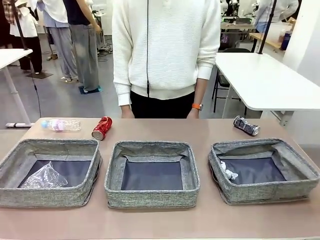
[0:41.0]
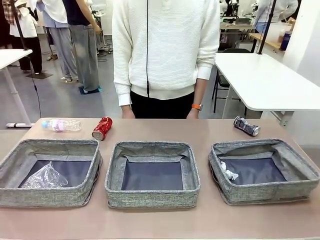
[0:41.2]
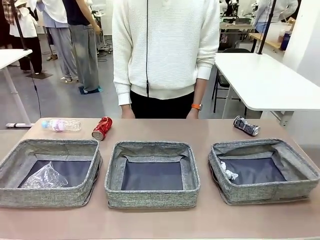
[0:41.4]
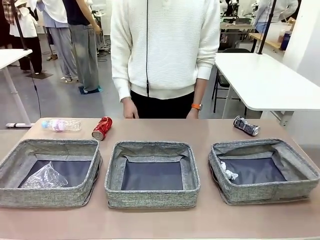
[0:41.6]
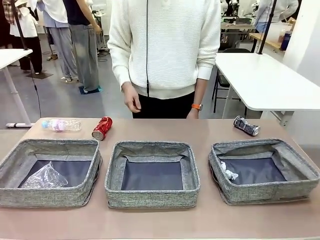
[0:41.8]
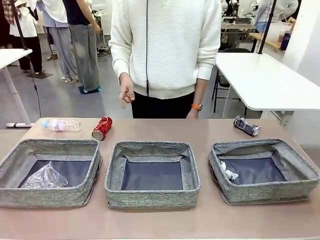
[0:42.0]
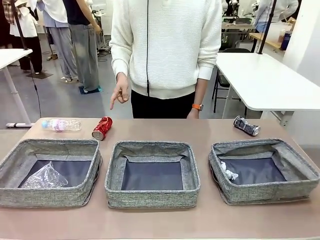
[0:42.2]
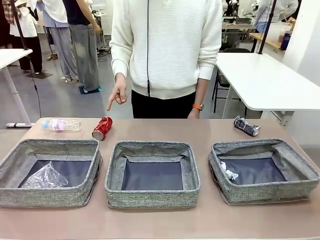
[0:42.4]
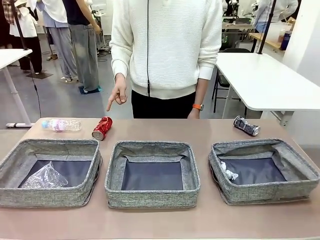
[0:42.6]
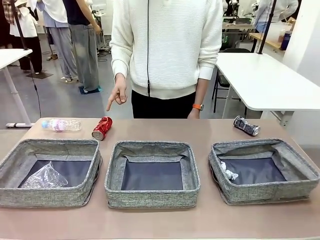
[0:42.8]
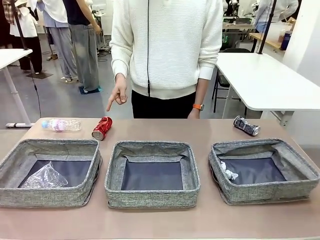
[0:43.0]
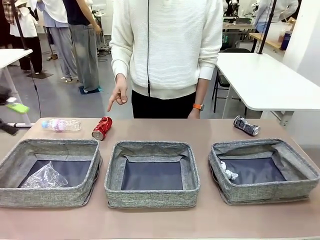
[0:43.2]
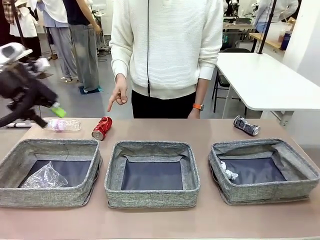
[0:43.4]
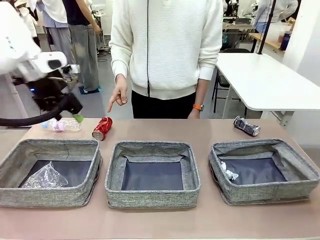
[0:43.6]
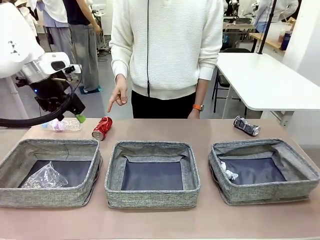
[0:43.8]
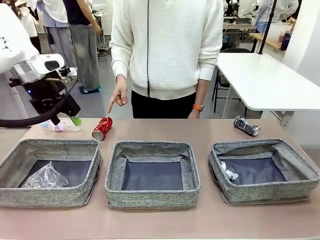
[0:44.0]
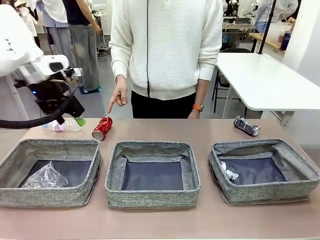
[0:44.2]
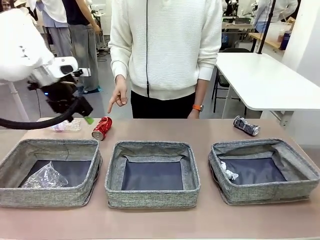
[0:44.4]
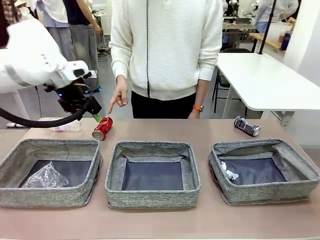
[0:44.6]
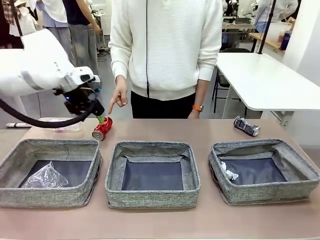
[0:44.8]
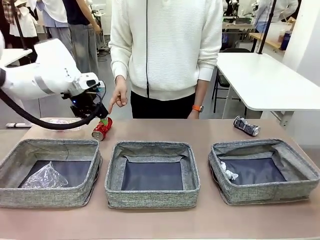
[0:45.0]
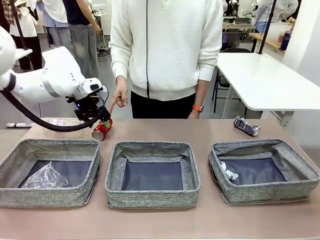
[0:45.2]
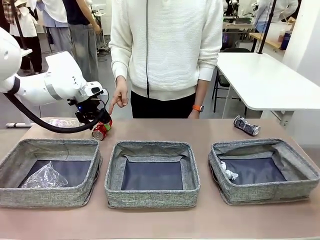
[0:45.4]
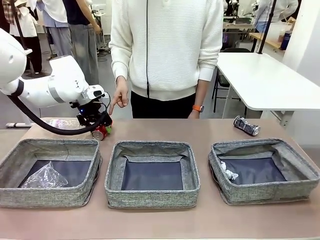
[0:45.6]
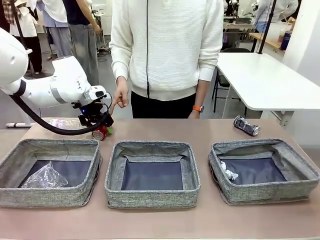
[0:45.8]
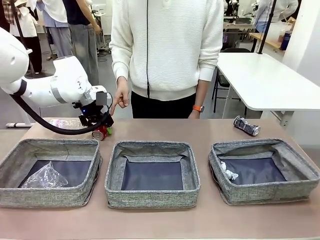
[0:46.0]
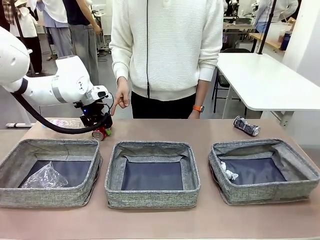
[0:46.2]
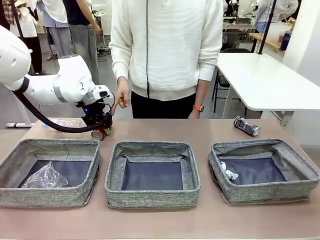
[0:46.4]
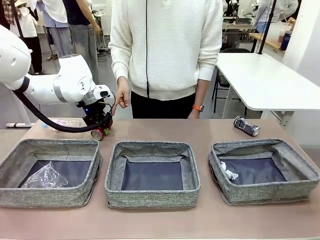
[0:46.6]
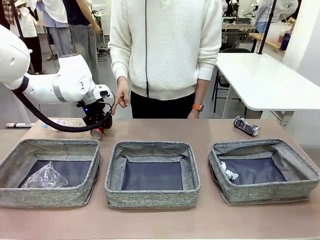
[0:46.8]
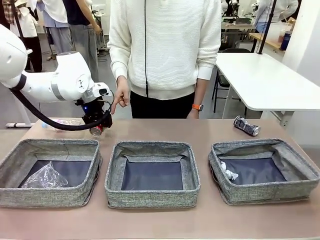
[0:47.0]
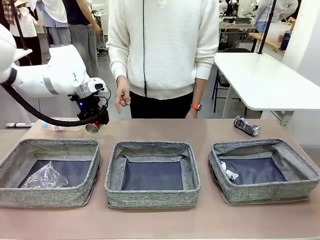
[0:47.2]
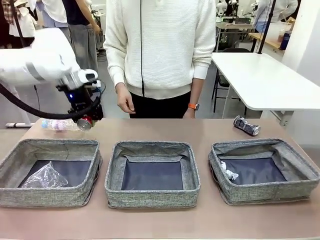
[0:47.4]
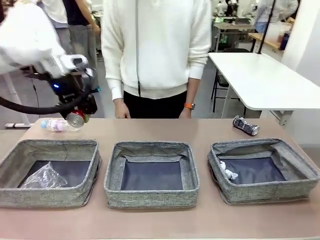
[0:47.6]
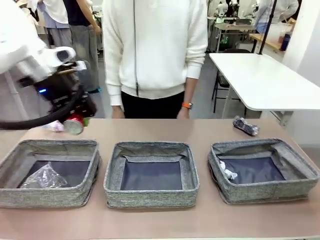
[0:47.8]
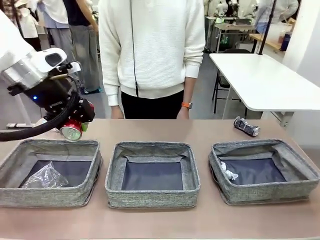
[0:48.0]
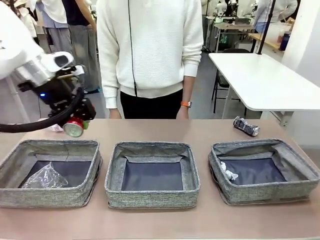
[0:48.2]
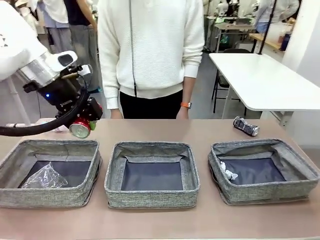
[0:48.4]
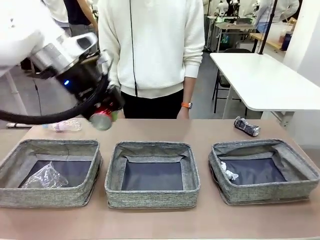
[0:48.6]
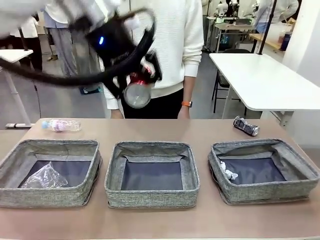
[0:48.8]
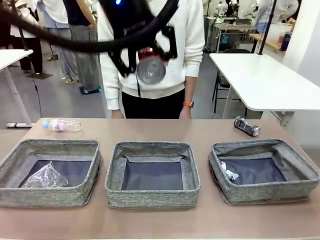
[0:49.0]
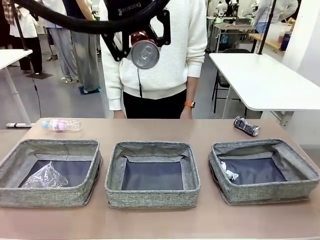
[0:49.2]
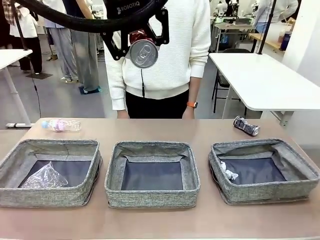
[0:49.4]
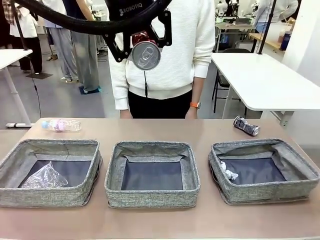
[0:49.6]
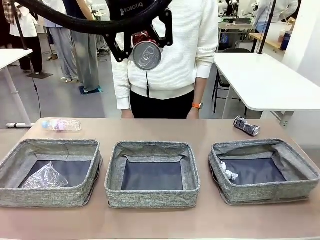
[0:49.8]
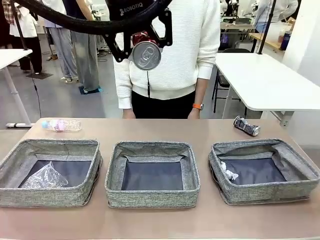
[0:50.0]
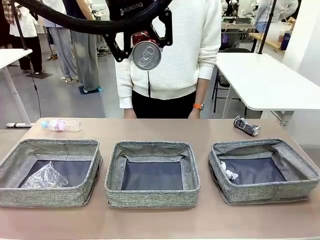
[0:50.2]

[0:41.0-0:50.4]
Task: Sort the waste into the appropriate baskets.
Robot: Pick up the waste item pointed out by the person.
Person: Points to one piece of trash on the table.

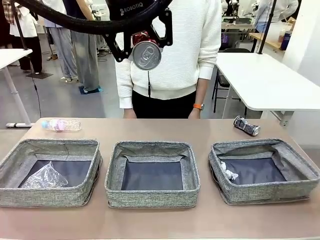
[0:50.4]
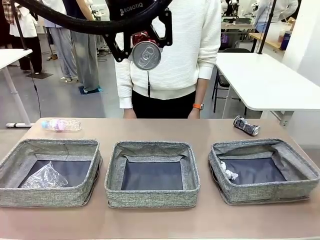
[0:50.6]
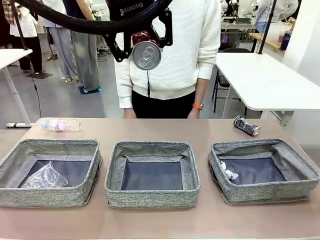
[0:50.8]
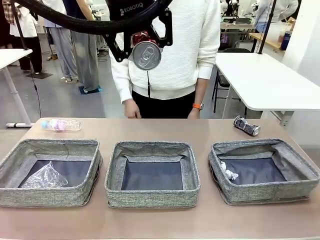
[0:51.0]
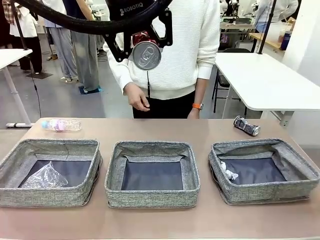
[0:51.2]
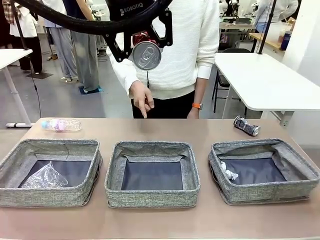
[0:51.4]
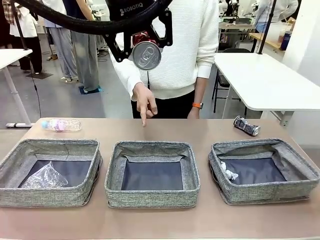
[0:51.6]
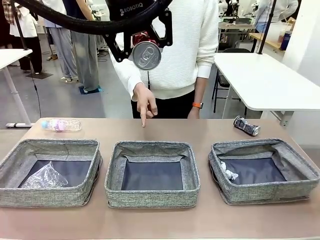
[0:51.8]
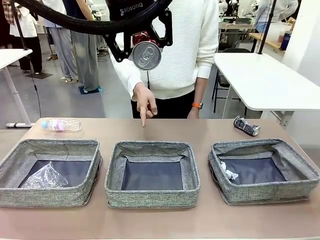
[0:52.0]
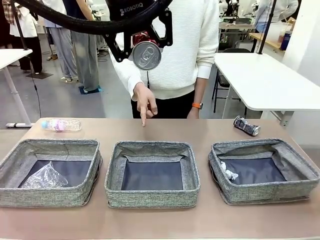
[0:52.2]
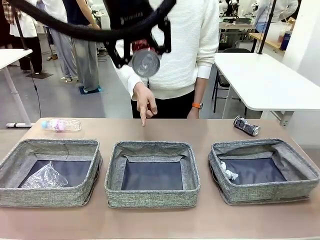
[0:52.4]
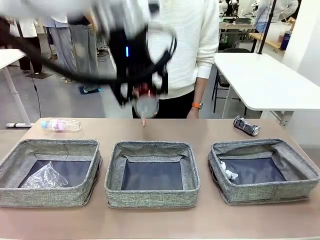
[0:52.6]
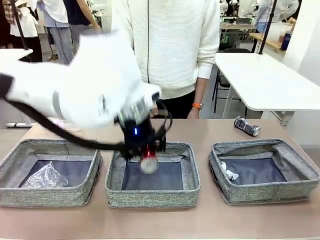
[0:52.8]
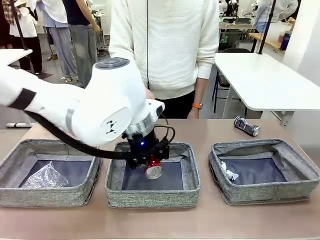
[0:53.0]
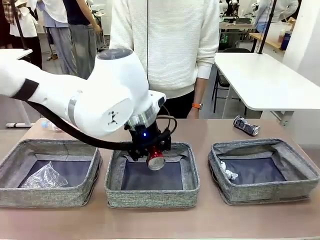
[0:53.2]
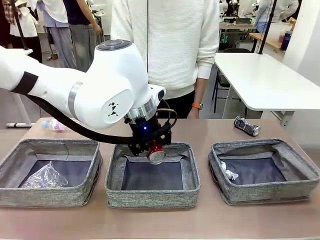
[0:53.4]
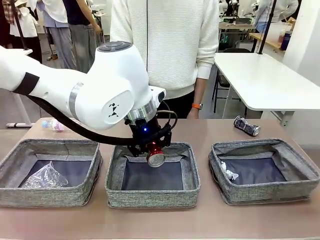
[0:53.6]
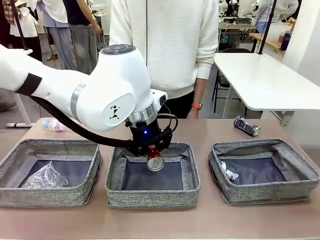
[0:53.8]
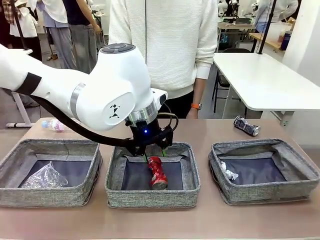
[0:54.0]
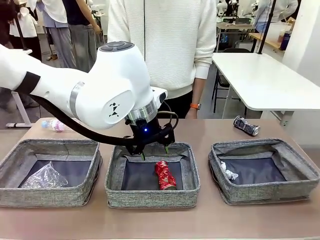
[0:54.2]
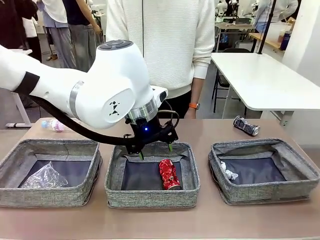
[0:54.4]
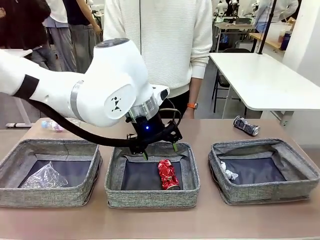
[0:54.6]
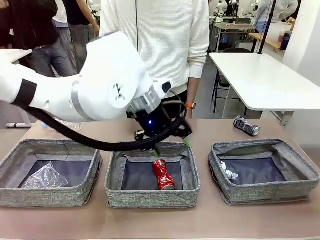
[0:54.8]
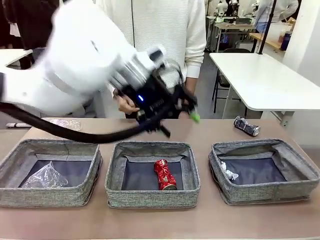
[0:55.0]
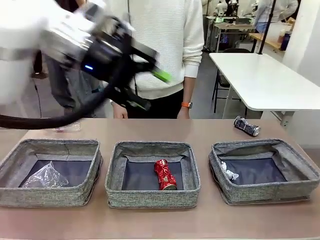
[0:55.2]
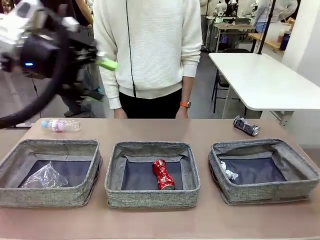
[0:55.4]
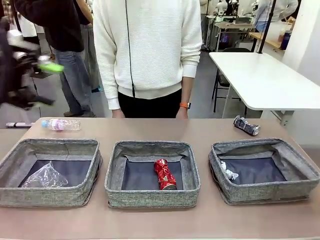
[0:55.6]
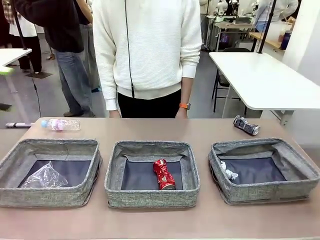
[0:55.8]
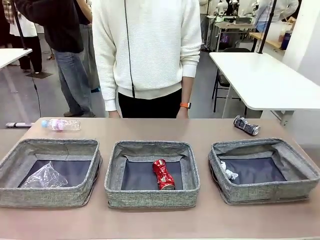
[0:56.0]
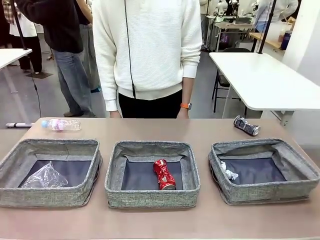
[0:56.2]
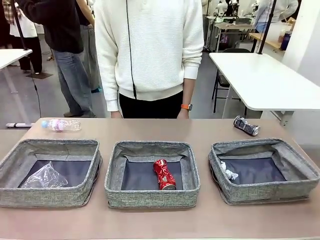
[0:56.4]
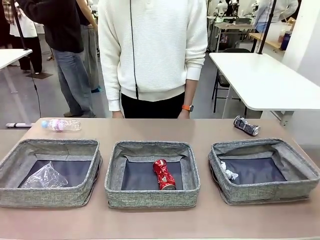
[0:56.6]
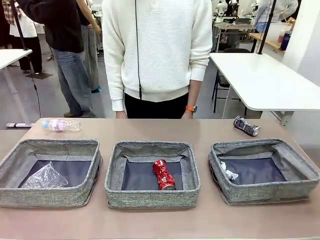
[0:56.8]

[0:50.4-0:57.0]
Robot: Place the picked waste into the Fabric basket indicated by the person.
Person: Instructs the robot to place the picked-up trash into the appropriate organizing basket.
